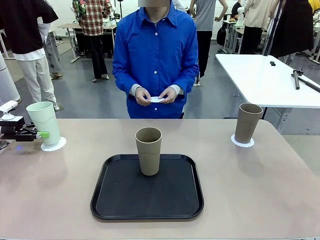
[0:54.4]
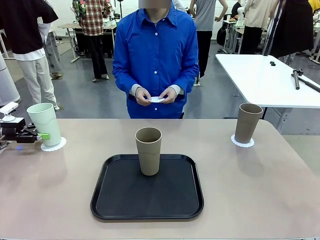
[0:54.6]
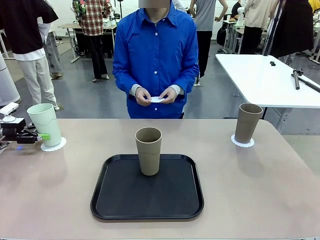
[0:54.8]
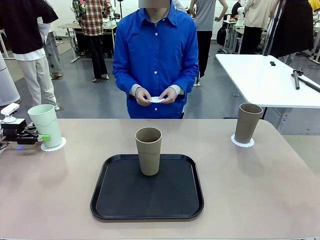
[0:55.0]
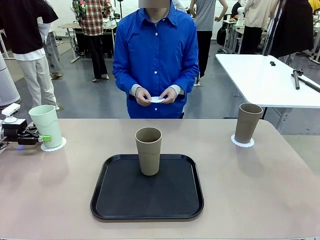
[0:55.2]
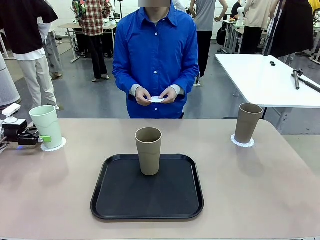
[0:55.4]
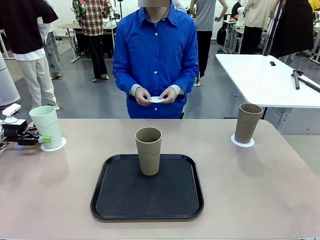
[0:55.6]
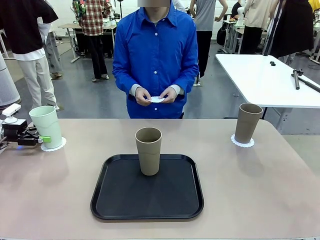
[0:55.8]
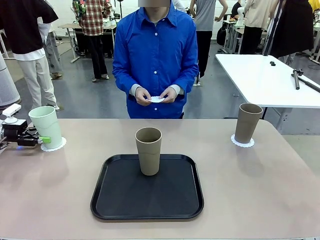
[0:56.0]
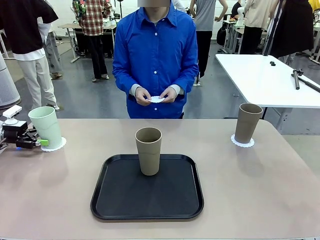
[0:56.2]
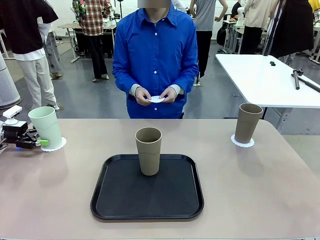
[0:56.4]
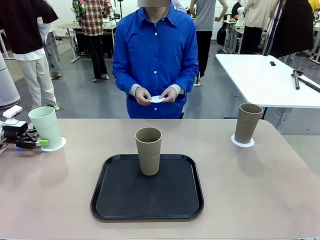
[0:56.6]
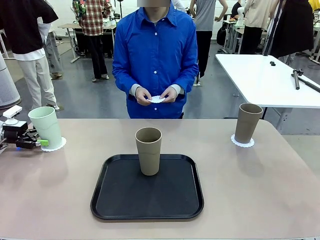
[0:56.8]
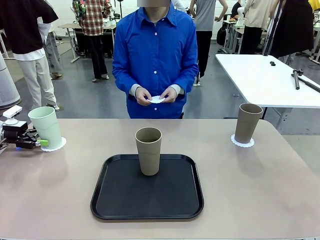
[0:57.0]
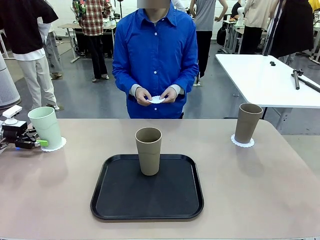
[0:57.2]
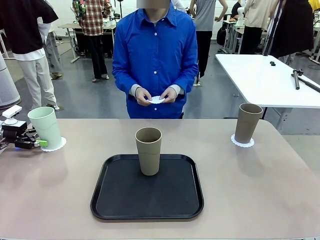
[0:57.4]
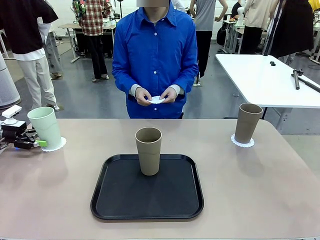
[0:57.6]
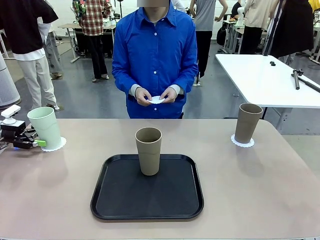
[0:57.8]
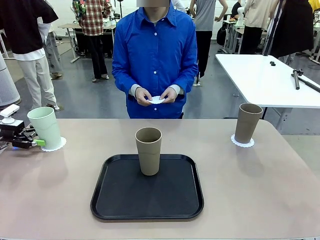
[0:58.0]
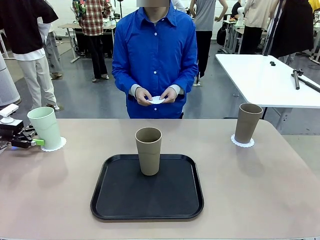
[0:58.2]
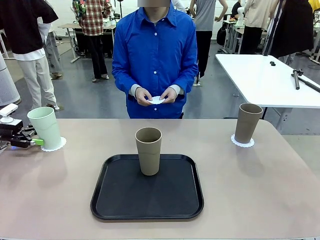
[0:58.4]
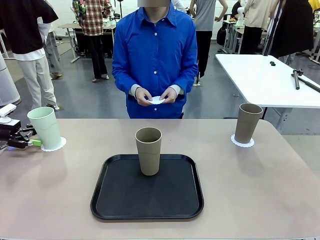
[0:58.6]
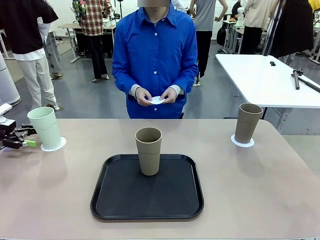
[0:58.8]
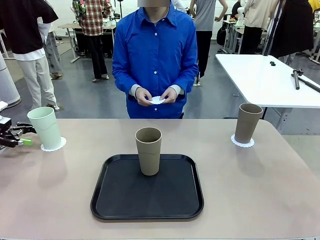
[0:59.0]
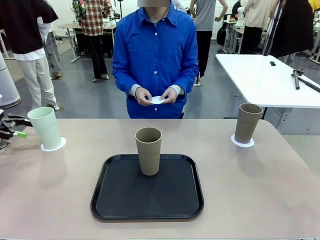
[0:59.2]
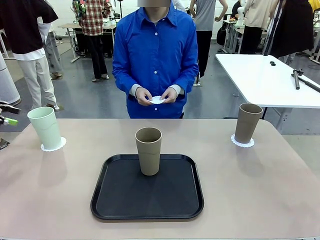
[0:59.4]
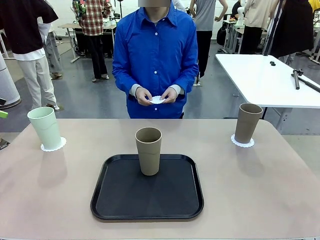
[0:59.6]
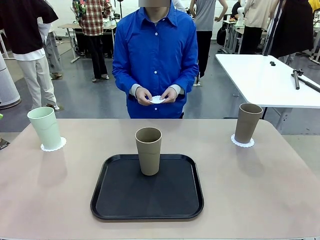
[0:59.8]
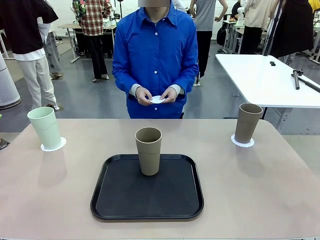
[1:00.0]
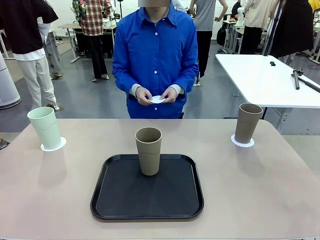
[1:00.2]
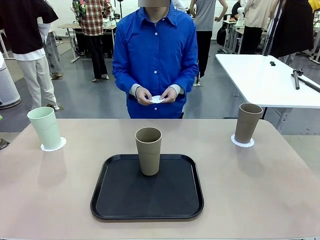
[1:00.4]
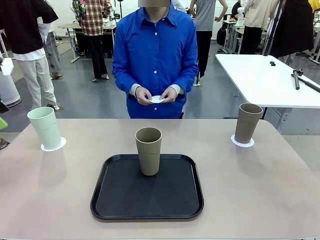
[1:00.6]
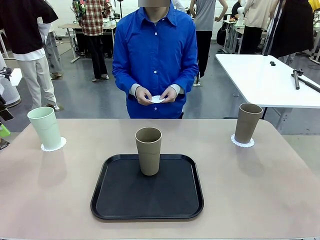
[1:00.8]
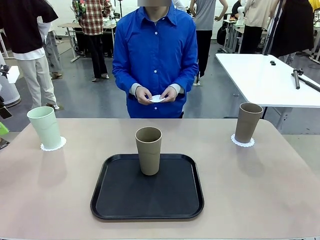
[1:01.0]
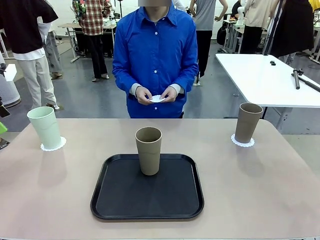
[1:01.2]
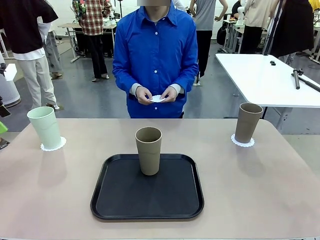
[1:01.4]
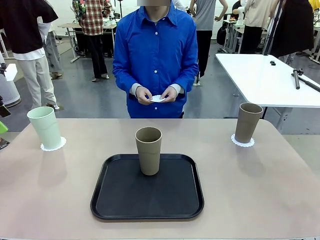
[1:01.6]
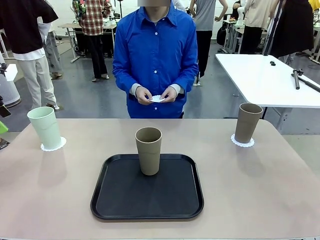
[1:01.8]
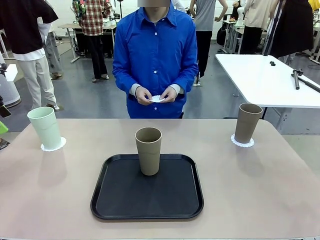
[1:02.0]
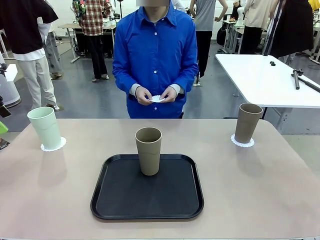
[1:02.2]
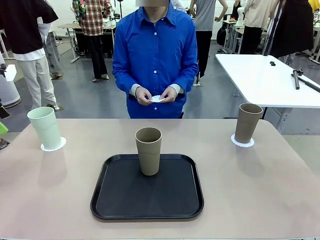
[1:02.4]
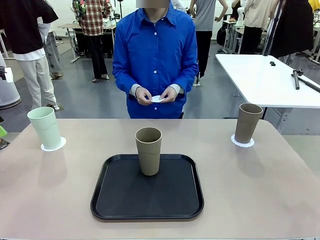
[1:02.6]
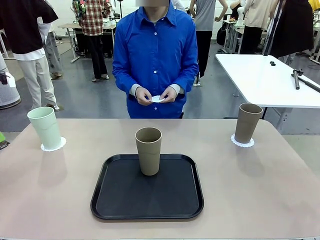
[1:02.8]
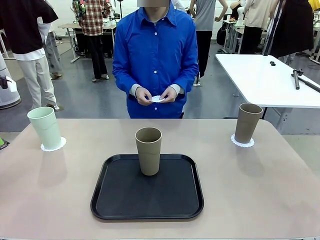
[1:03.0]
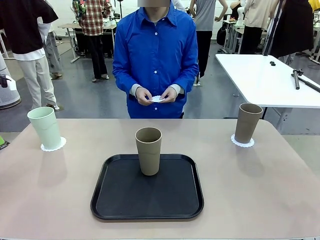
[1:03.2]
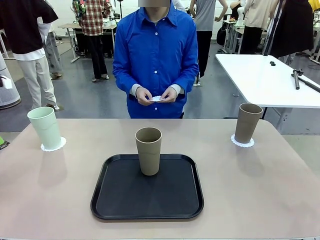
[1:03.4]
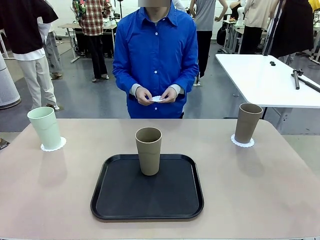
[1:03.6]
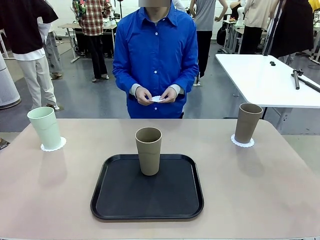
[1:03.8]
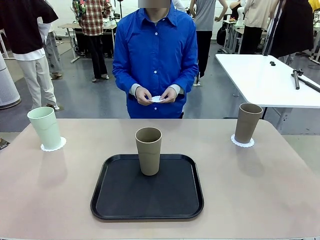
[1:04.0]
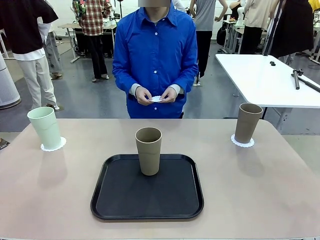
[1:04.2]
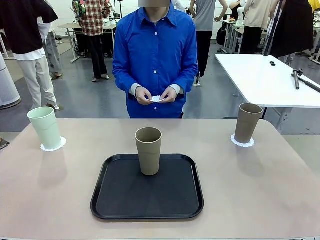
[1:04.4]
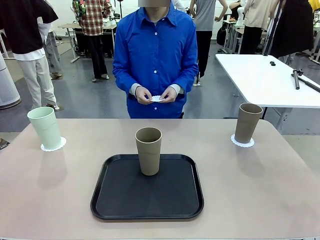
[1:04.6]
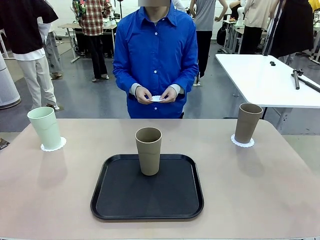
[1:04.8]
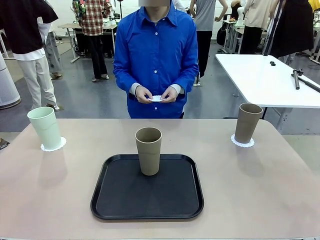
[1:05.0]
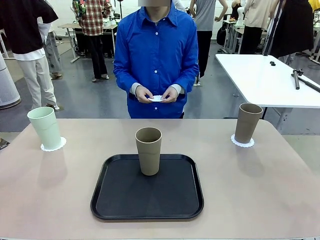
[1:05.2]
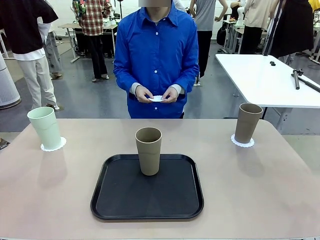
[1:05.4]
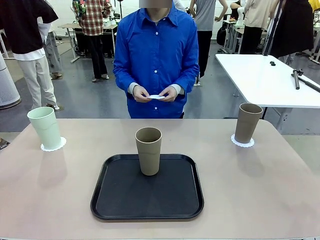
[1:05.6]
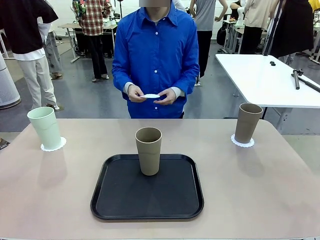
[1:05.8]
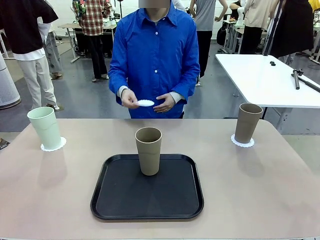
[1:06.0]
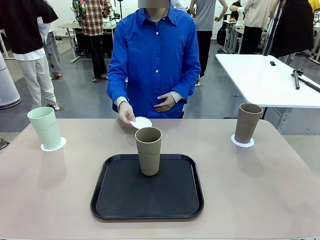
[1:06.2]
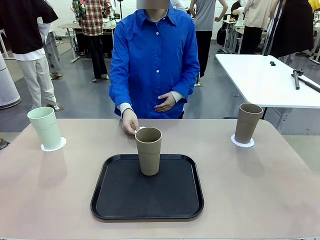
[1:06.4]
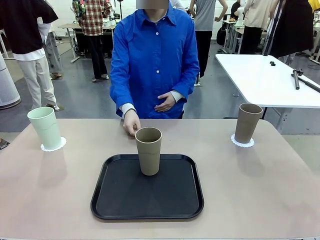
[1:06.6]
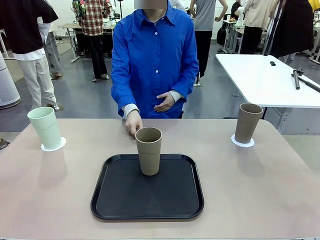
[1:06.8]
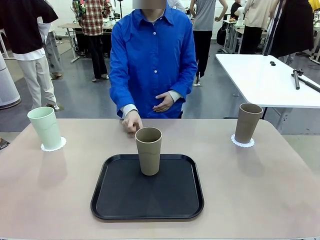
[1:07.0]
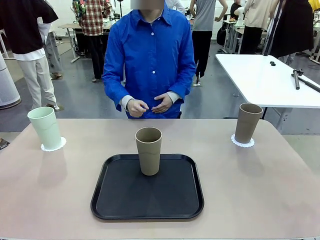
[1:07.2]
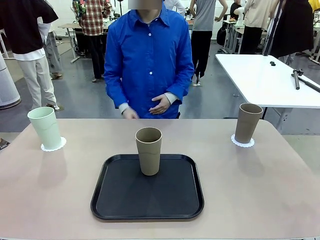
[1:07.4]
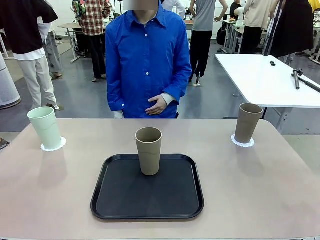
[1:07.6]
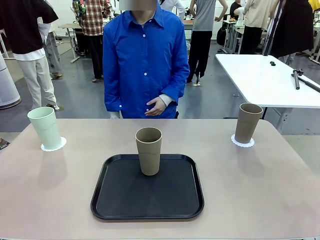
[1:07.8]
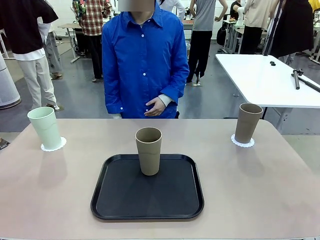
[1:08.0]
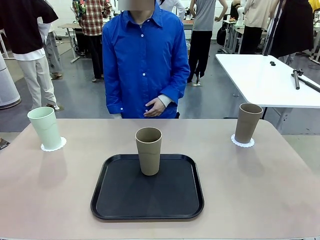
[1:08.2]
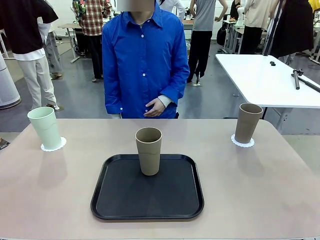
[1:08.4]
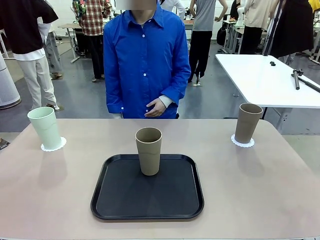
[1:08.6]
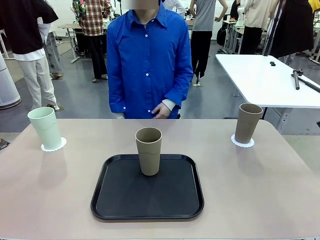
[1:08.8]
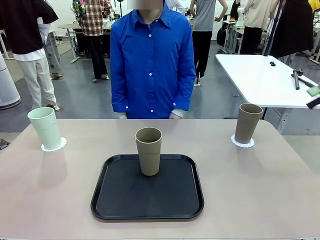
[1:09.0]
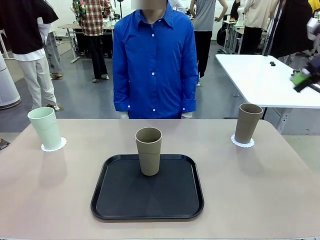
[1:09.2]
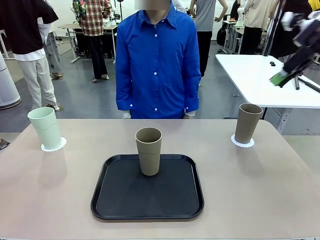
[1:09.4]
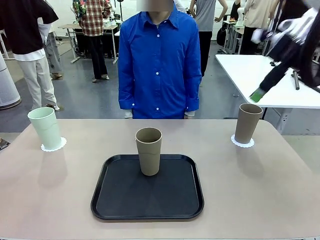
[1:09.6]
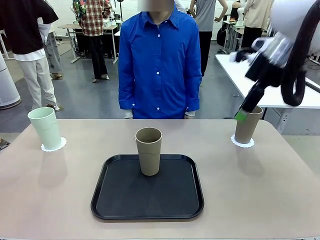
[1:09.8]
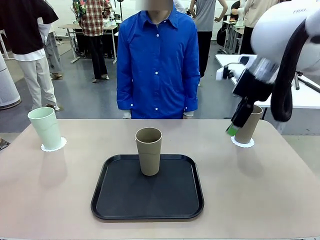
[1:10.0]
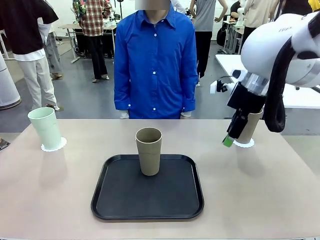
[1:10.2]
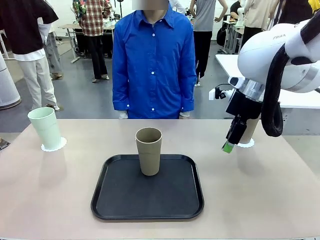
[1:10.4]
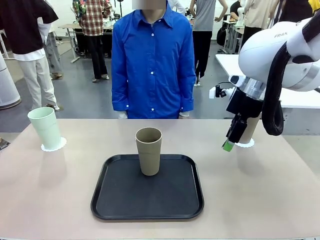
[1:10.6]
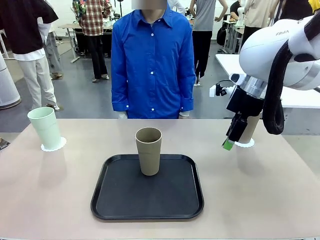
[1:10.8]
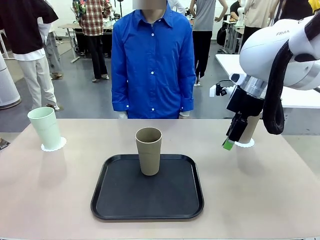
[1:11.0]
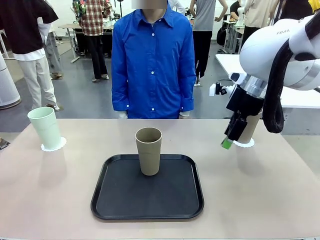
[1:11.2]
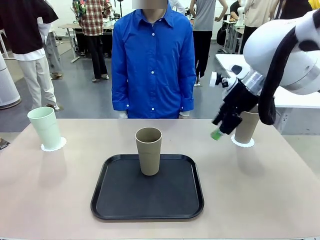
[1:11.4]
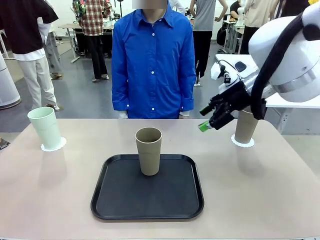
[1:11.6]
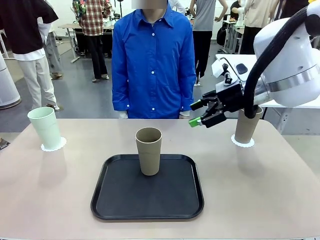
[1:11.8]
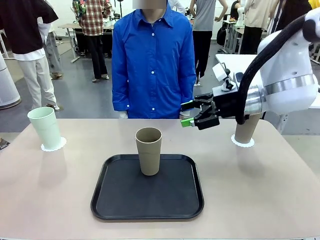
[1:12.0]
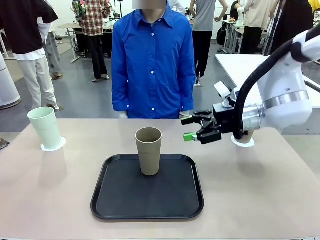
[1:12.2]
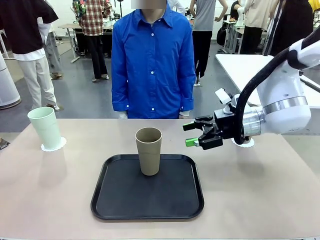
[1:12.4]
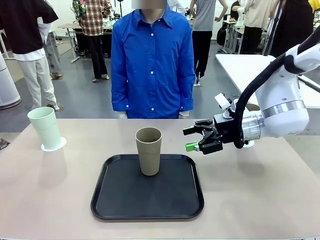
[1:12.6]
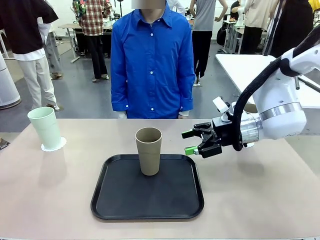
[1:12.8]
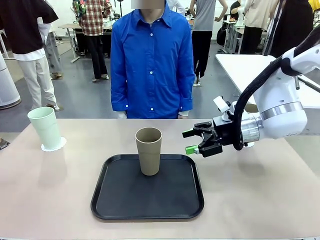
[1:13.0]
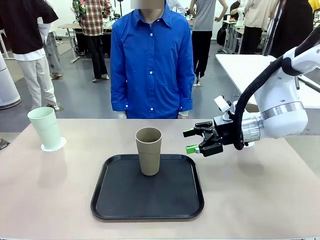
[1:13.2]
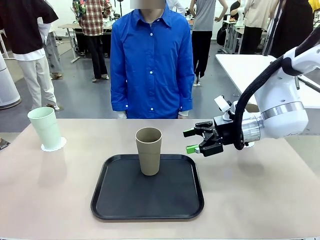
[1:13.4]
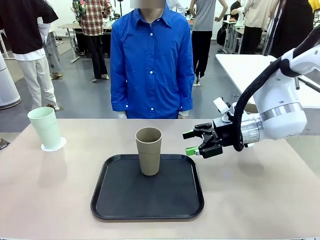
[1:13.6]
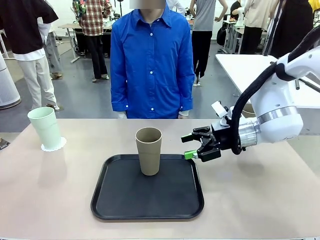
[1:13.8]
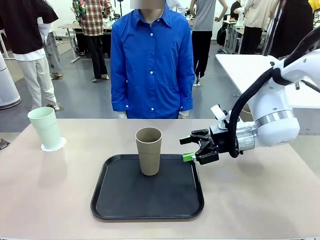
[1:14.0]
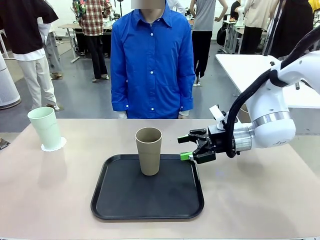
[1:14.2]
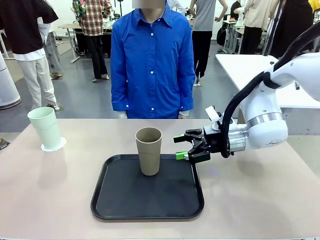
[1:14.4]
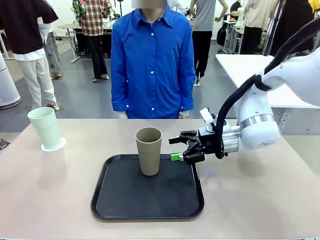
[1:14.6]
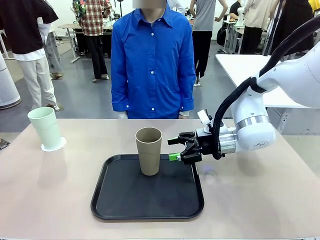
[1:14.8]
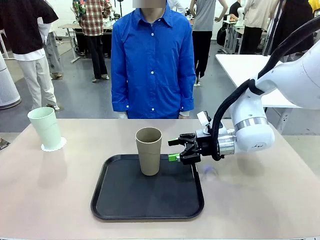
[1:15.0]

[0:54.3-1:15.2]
Task: Place coasters on the table and set cups on them.
Robot: Take one Reusable plastic cup from the Flat Tray and place it on a coaster set by the human.
